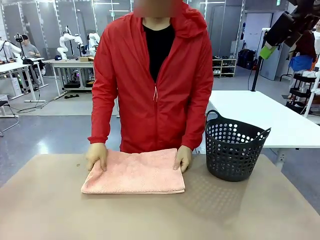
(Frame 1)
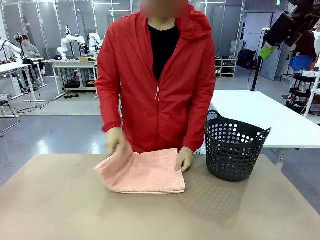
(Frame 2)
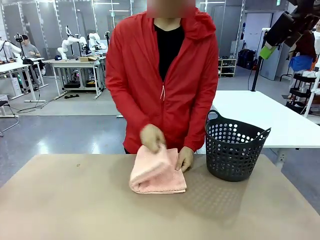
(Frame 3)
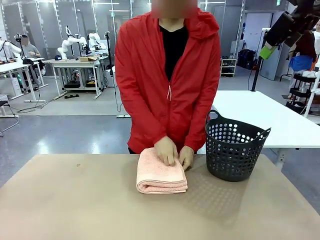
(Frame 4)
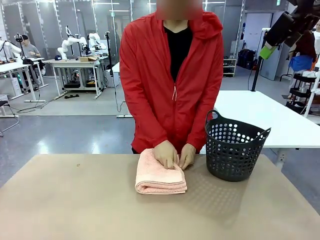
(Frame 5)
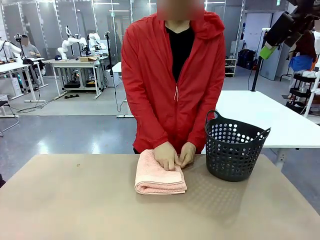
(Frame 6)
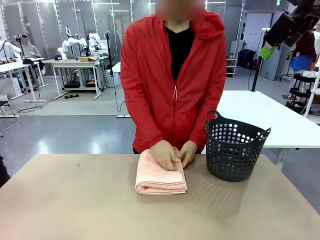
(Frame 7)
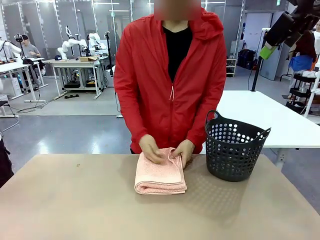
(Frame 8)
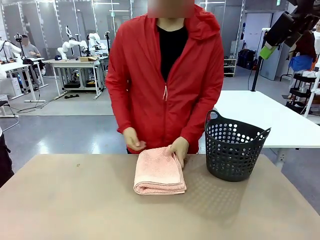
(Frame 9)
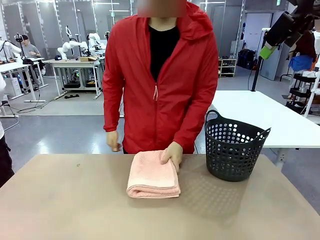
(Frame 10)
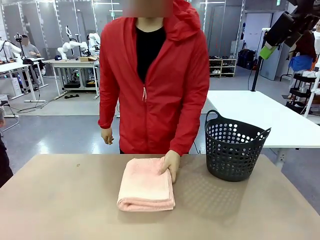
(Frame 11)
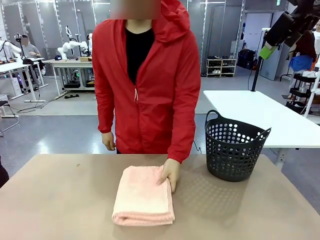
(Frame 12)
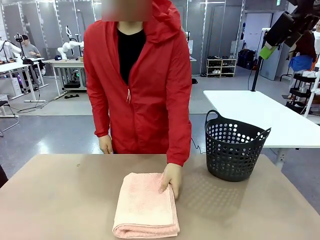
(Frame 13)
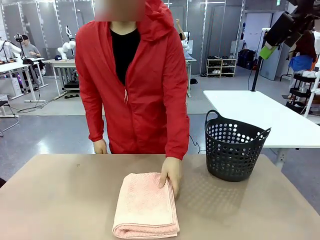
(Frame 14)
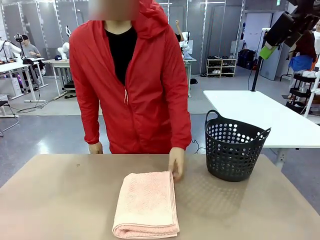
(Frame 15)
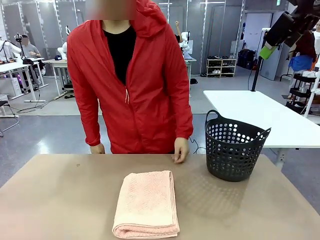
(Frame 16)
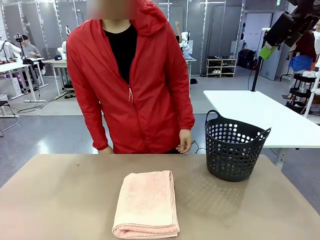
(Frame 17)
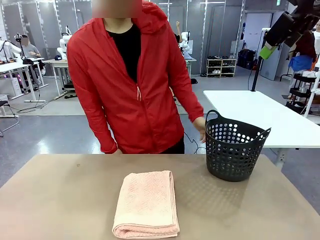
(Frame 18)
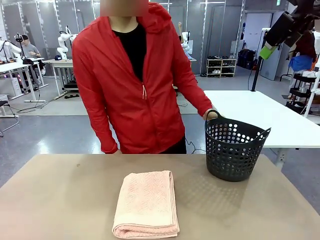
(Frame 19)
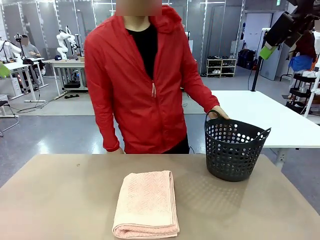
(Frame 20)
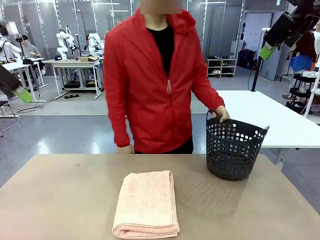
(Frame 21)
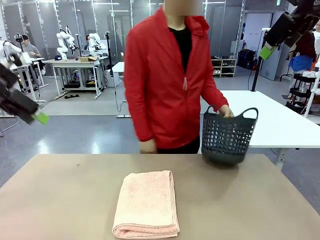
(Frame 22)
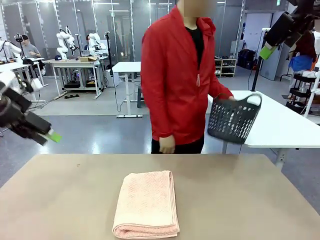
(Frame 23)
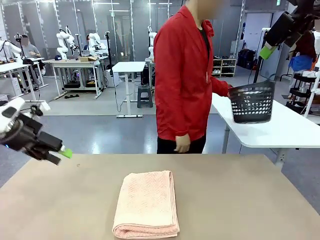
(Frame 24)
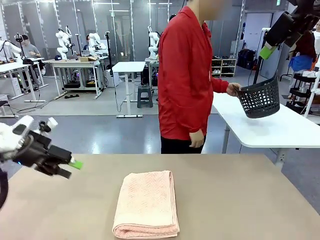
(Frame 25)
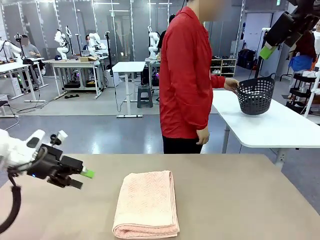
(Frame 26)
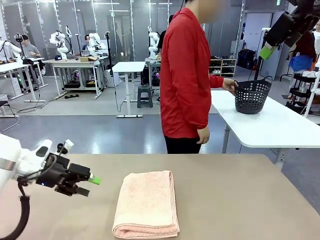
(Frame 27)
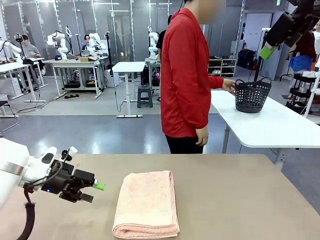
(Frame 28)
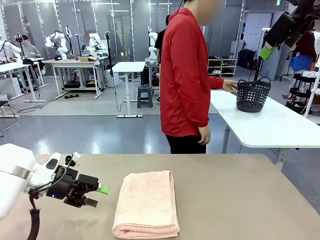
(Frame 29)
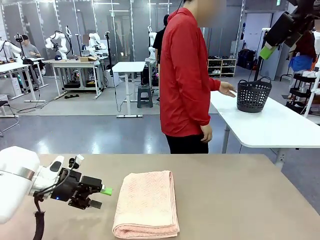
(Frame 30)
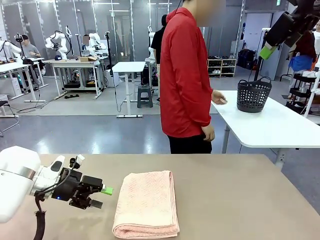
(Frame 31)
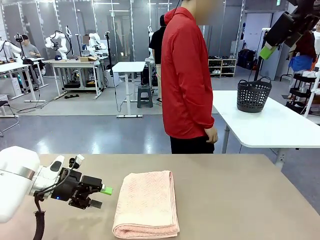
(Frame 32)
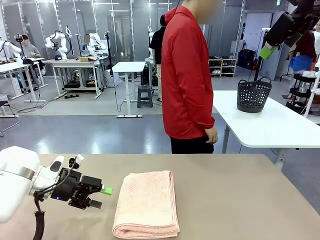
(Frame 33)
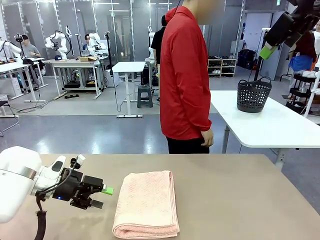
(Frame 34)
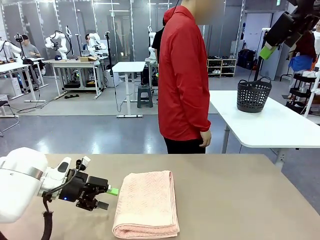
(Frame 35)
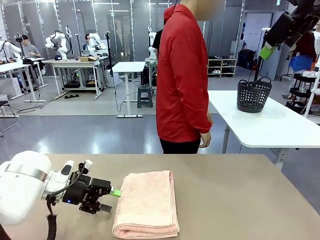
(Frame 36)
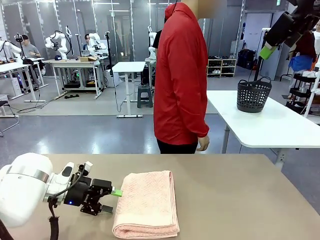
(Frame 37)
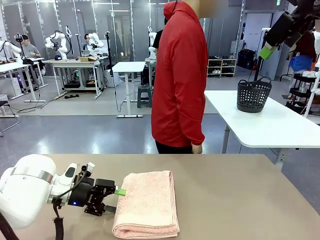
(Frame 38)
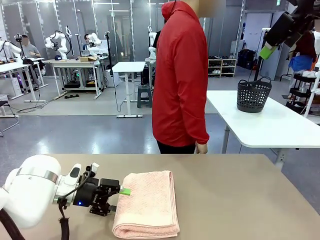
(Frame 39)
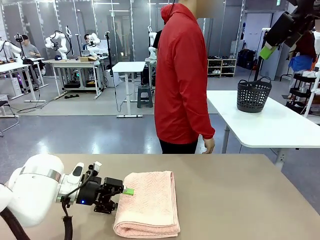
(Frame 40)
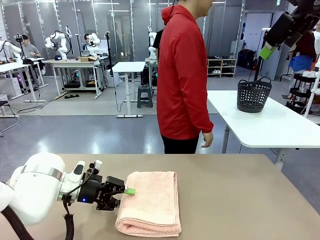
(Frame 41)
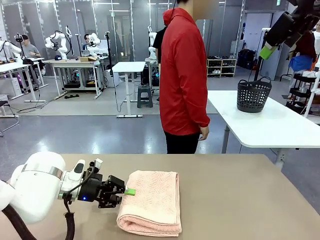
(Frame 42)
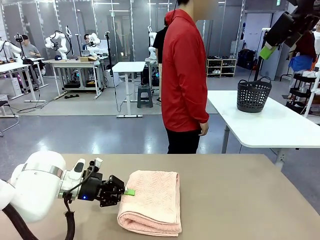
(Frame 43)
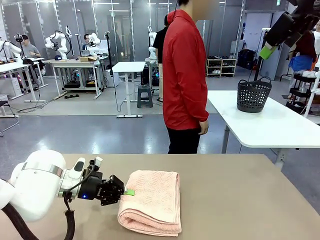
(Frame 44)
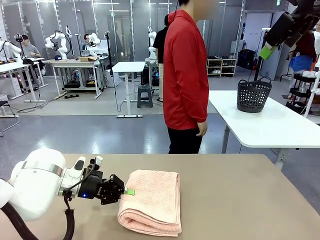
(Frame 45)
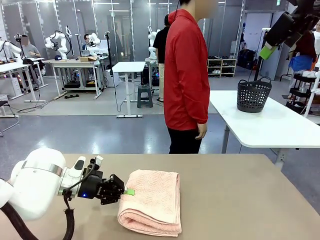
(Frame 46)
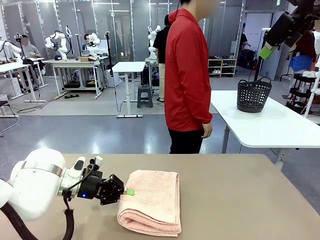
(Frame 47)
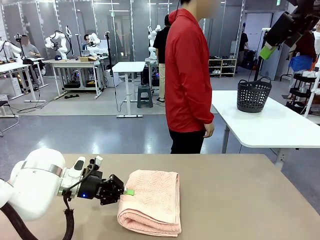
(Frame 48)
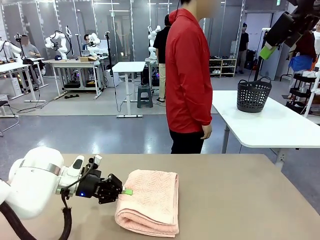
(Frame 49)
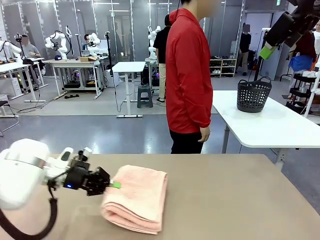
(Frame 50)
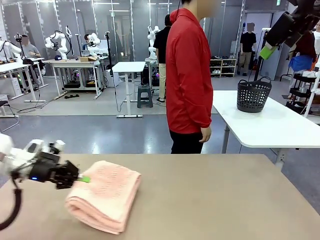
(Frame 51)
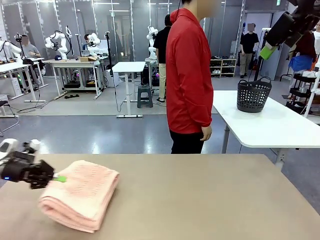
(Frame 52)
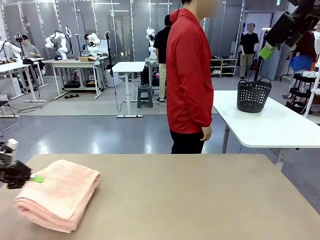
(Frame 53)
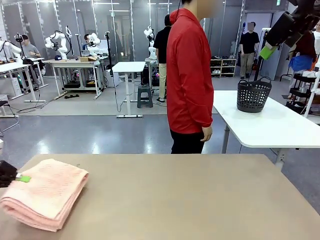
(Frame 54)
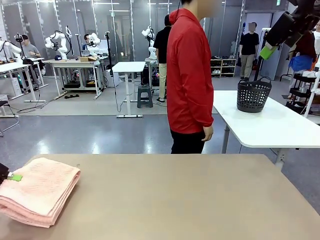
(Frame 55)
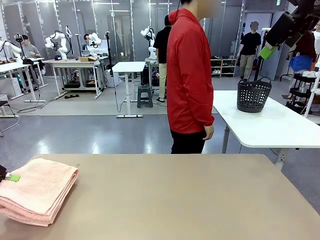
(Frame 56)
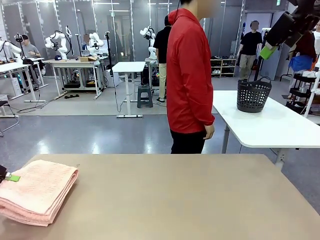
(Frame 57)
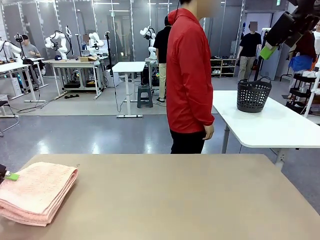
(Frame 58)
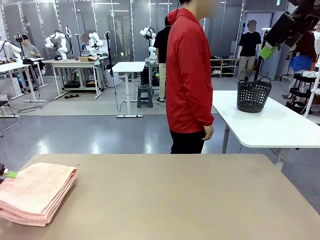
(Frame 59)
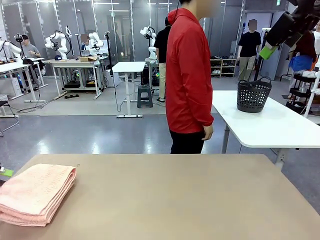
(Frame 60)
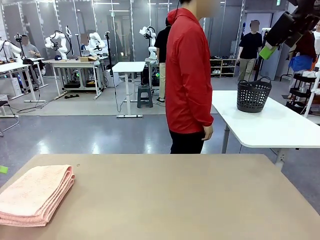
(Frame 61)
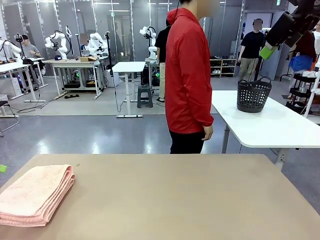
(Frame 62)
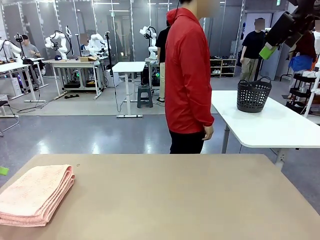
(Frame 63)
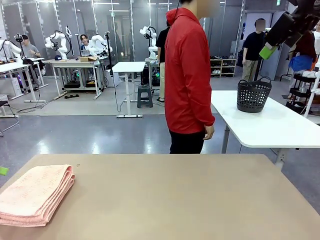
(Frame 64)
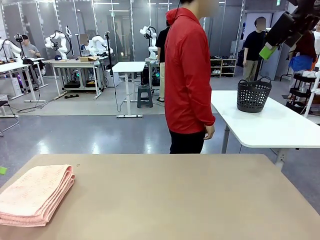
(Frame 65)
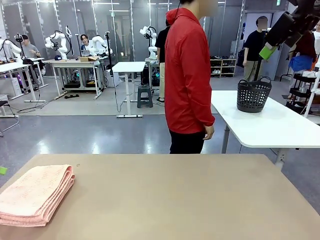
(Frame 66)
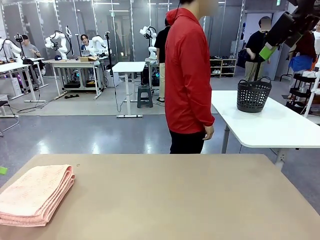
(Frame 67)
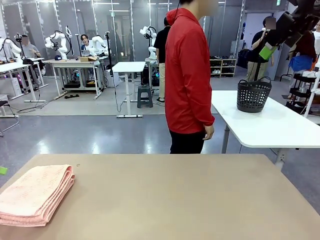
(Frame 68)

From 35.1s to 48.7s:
Task: Fold the towel.
Robot: Pick up the 100 cm Hotel Towel and place it on the left side of the table.
Person: Pick up the laundry basket and place it at the center of the human table.

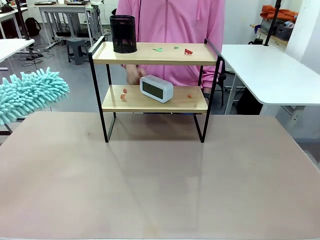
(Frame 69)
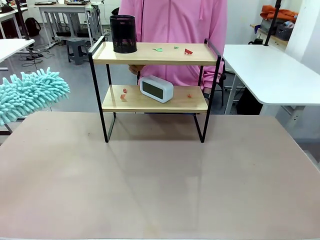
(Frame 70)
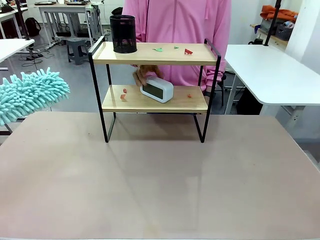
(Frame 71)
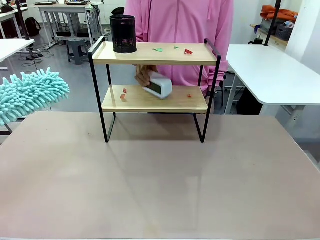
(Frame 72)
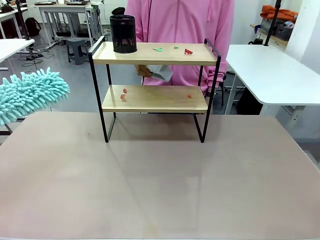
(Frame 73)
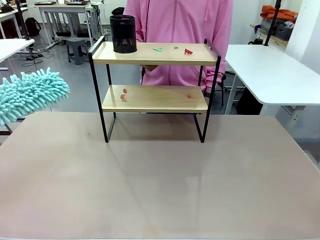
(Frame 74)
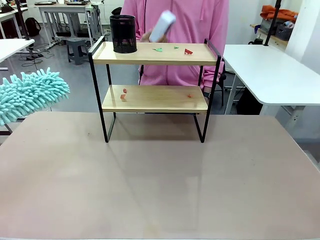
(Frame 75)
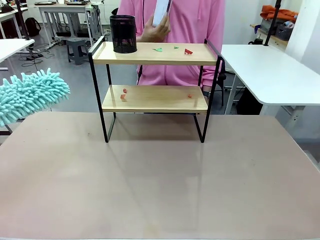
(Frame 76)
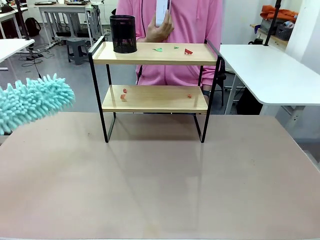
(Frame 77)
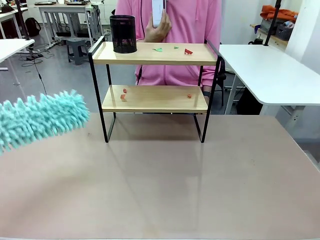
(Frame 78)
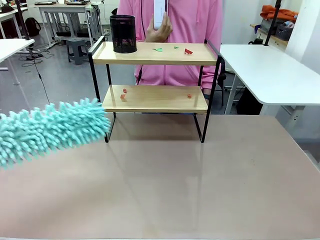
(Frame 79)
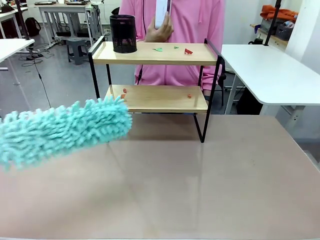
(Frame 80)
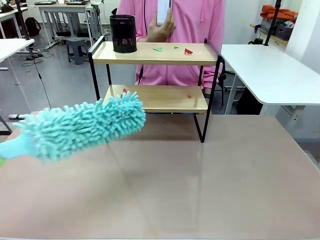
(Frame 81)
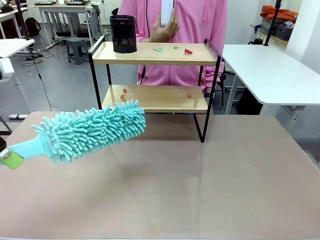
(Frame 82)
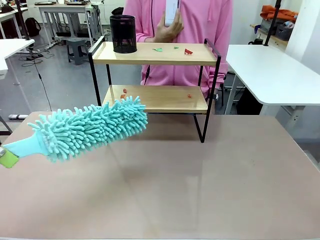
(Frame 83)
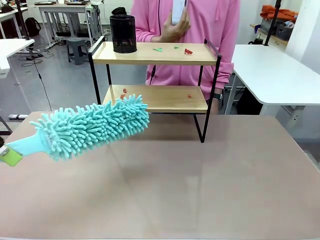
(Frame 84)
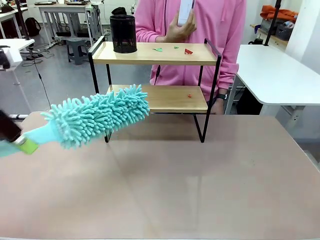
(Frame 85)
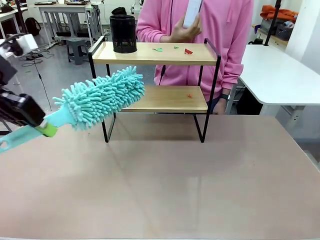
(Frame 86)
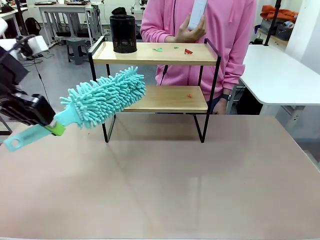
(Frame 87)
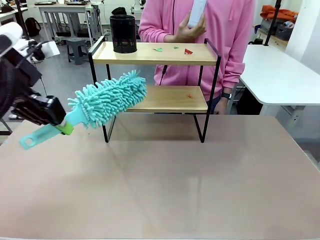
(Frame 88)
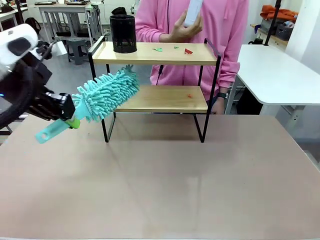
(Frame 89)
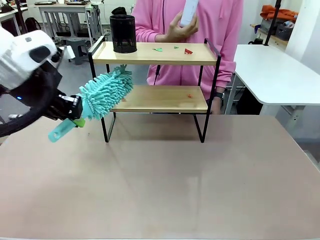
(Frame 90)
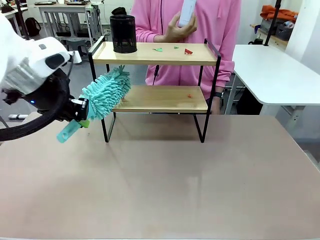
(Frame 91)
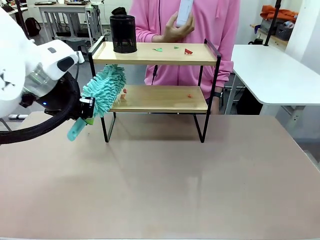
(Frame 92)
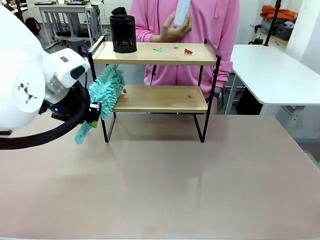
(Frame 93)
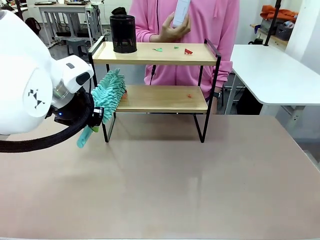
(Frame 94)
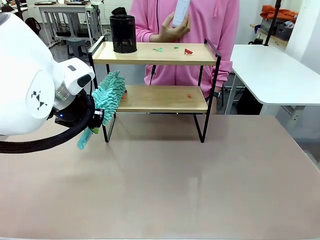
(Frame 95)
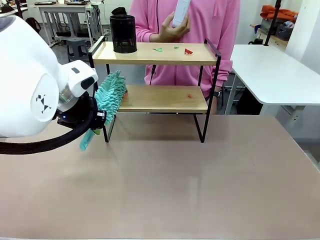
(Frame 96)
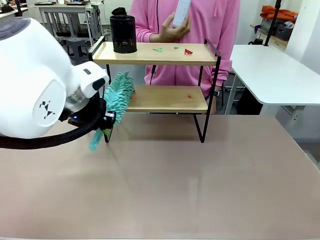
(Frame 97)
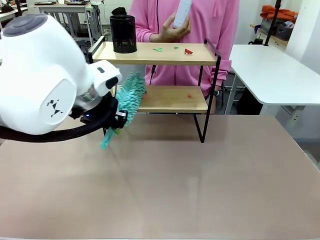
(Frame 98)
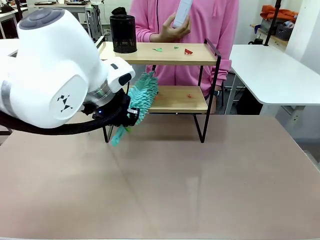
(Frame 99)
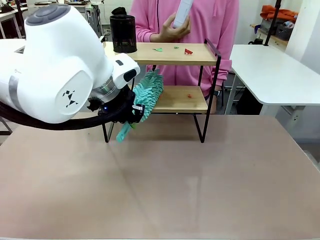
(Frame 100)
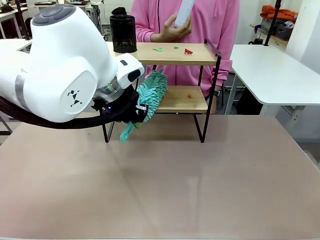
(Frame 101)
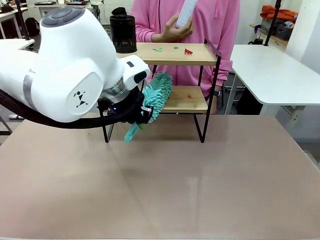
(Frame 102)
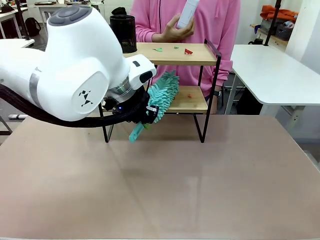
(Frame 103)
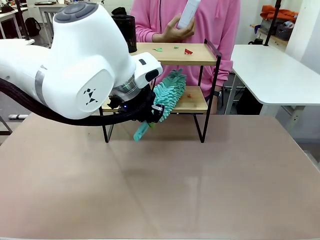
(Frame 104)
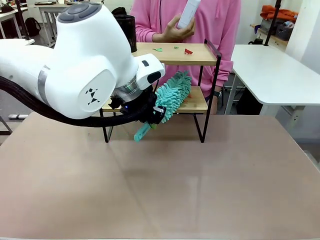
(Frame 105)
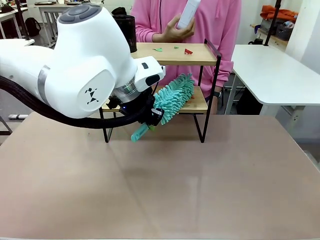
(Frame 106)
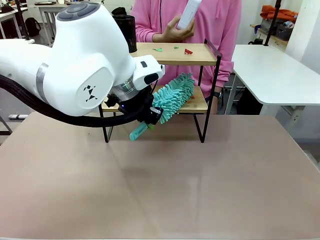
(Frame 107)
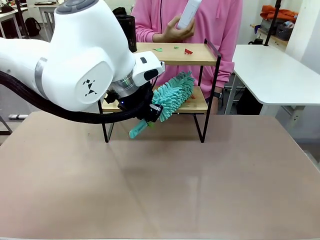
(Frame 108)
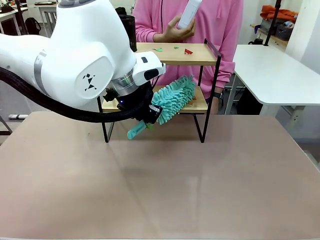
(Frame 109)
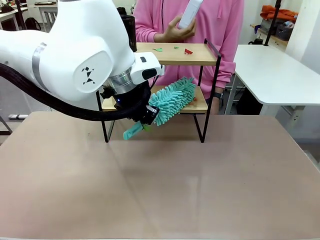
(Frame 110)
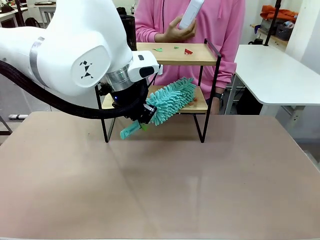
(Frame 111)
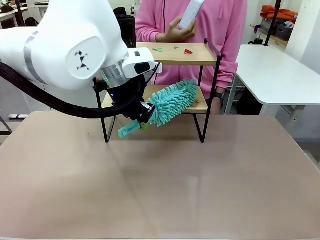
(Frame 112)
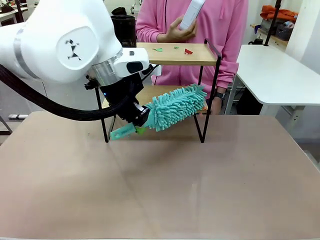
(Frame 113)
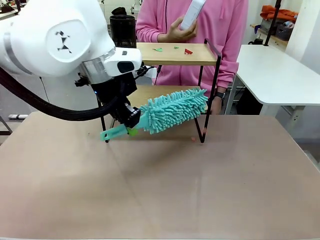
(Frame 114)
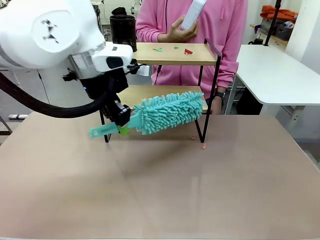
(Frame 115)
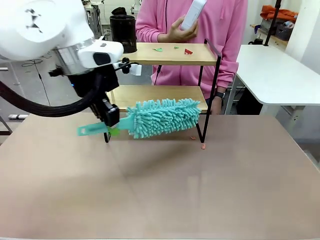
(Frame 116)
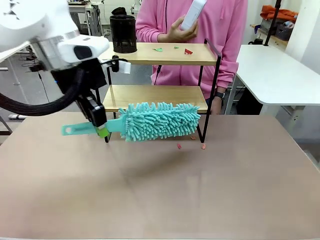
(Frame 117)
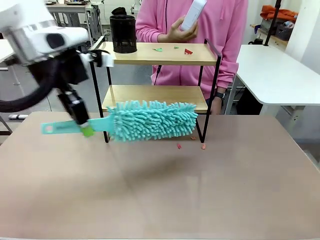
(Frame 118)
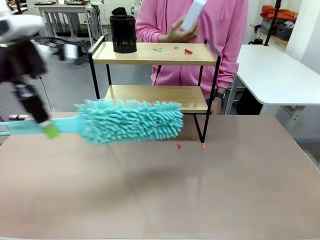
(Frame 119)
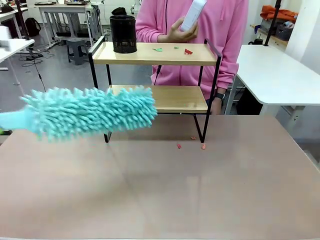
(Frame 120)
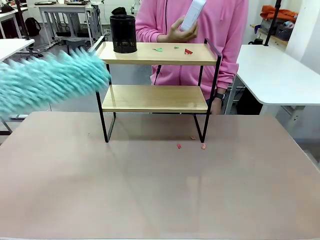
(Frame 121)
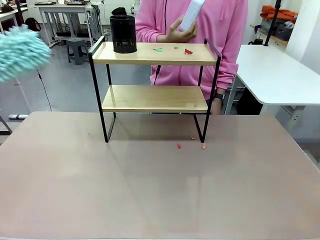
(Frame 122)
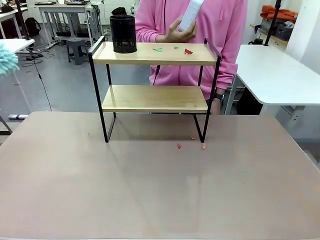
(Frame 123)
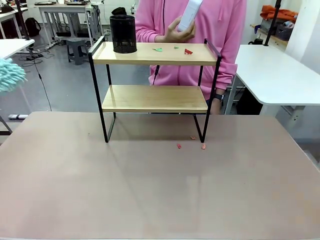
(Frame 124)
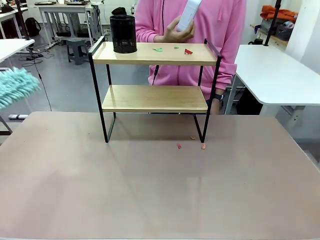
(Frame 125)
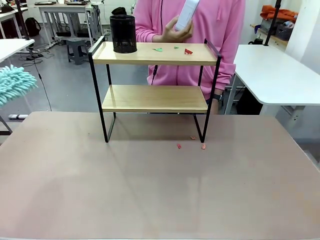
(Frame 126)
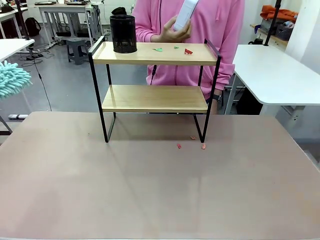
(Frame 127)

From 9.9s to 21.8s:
Task: Clean the shelf.
Robot: Clean the specific tier of the Shelf with the Duster once objects are removed.
Person: Lift the objects on a randomly selected tier of the Shelf. Once the robot finishes cleaning, lift the objects on the remaining tiers of the Shelf.
